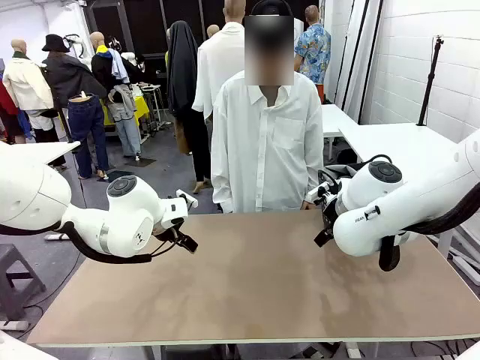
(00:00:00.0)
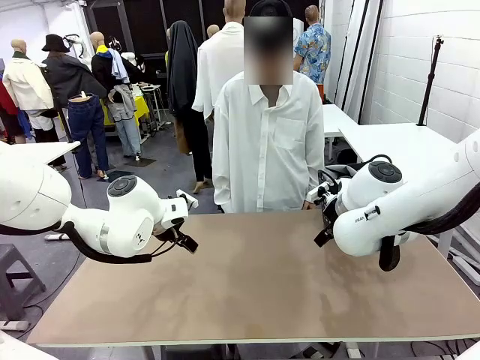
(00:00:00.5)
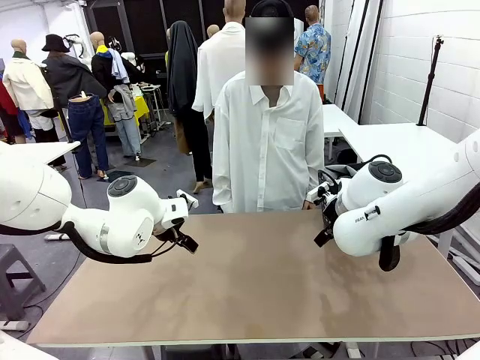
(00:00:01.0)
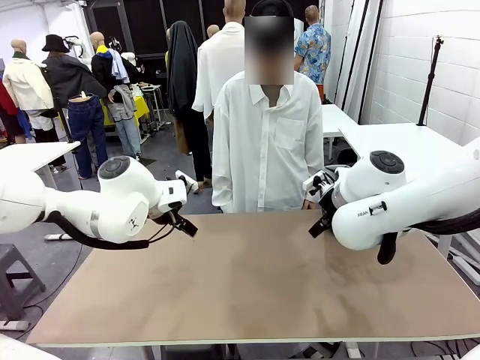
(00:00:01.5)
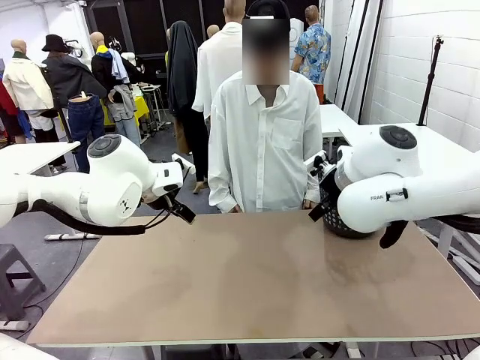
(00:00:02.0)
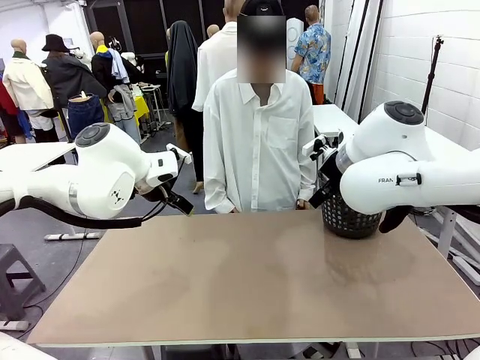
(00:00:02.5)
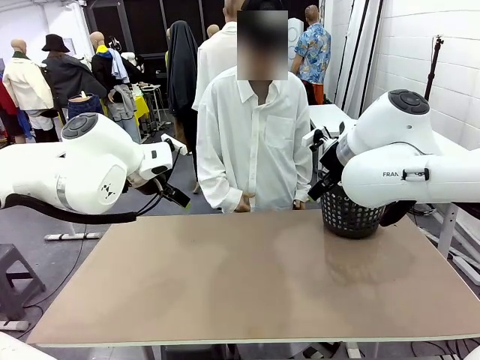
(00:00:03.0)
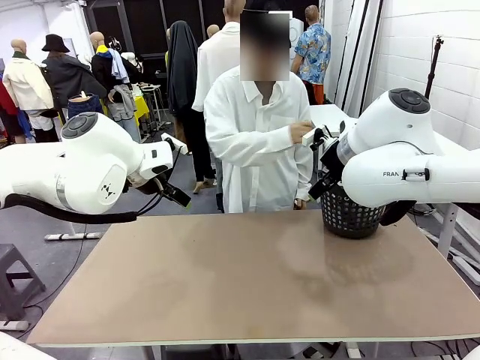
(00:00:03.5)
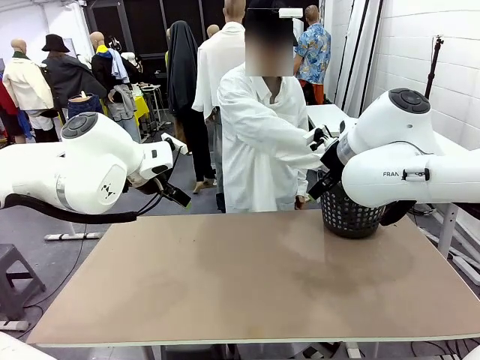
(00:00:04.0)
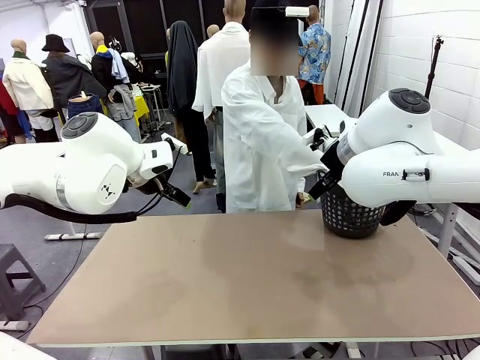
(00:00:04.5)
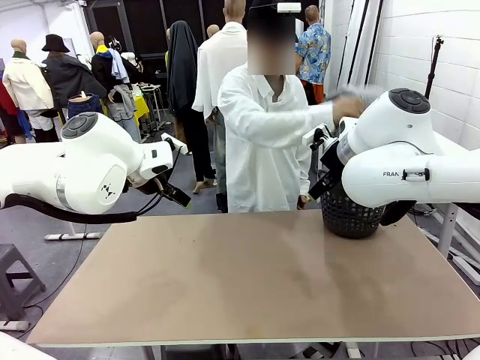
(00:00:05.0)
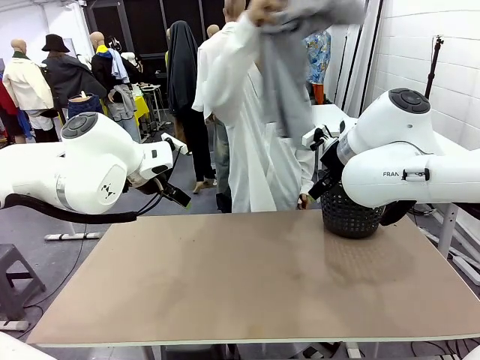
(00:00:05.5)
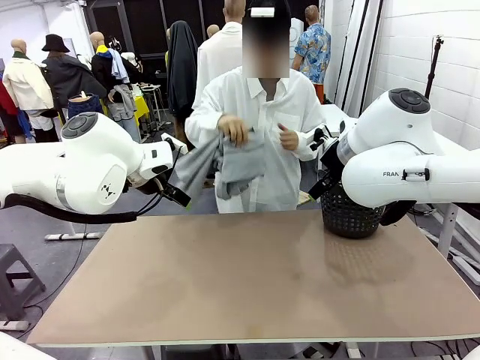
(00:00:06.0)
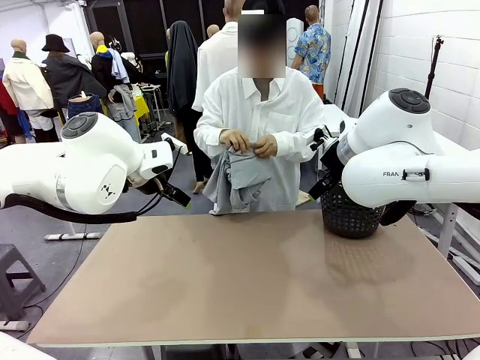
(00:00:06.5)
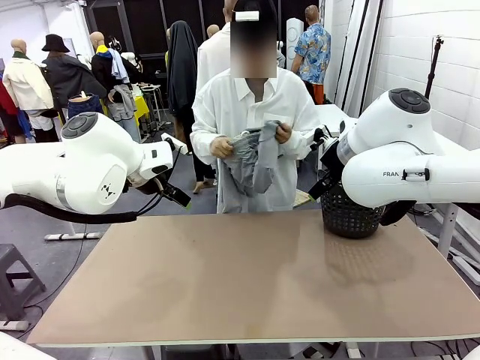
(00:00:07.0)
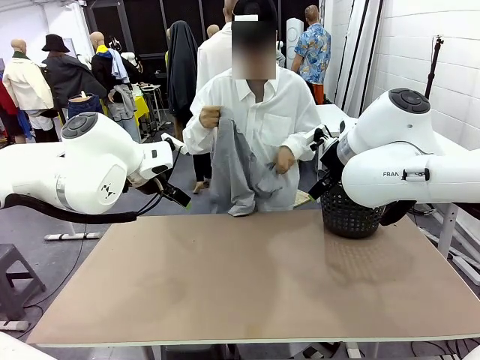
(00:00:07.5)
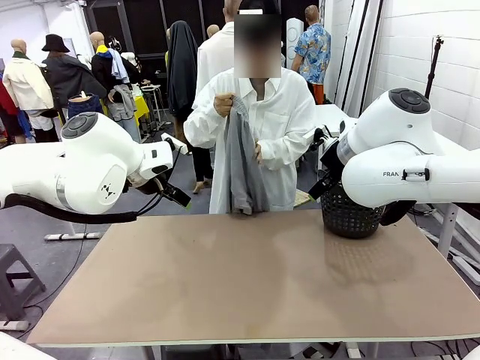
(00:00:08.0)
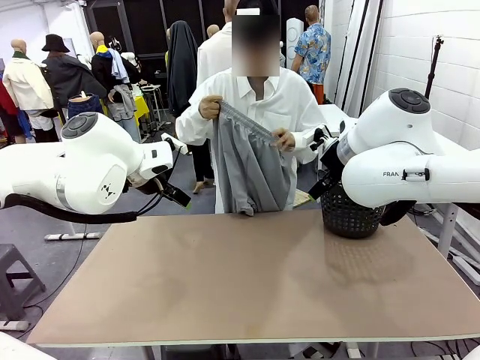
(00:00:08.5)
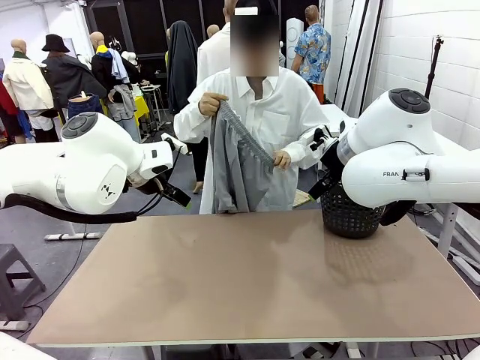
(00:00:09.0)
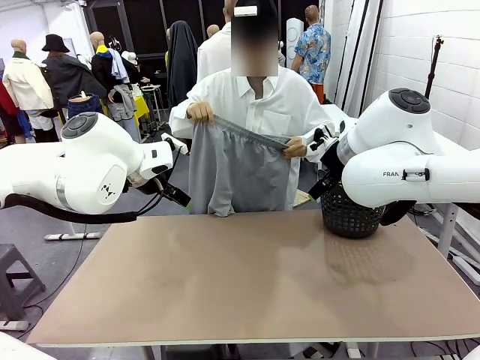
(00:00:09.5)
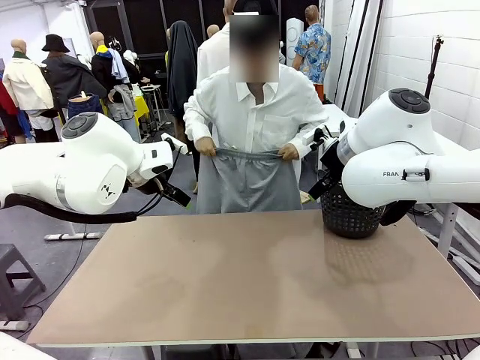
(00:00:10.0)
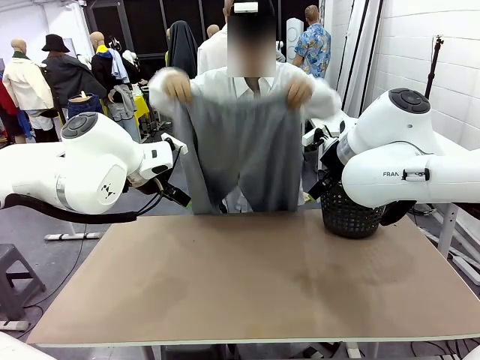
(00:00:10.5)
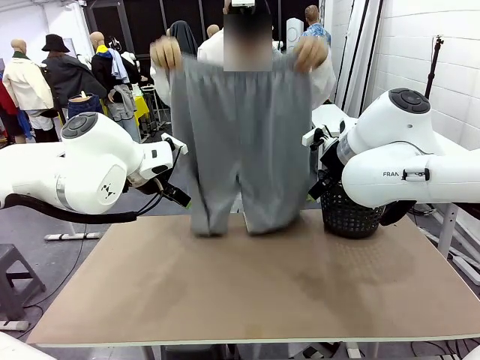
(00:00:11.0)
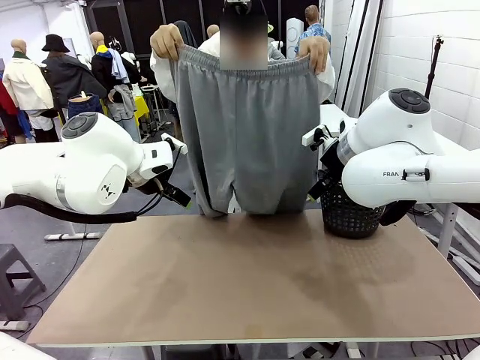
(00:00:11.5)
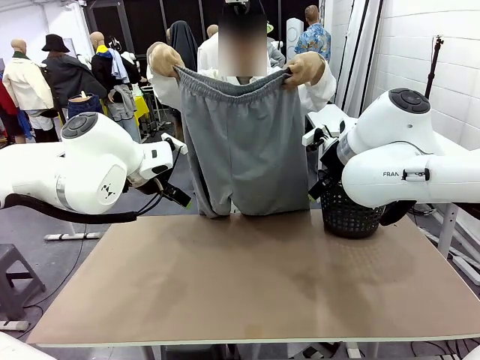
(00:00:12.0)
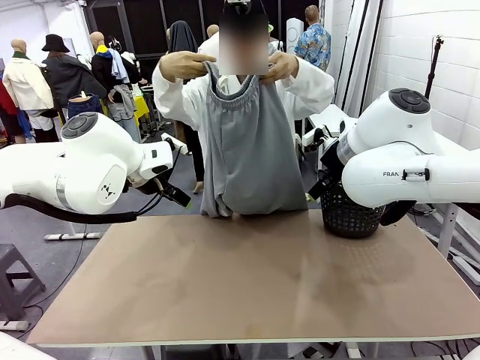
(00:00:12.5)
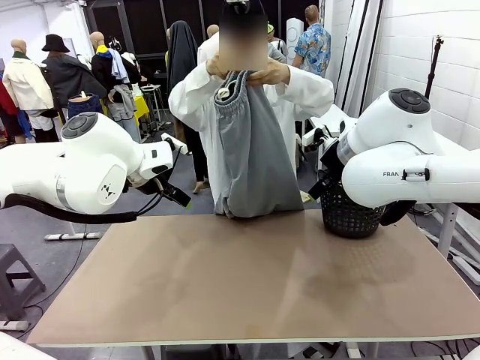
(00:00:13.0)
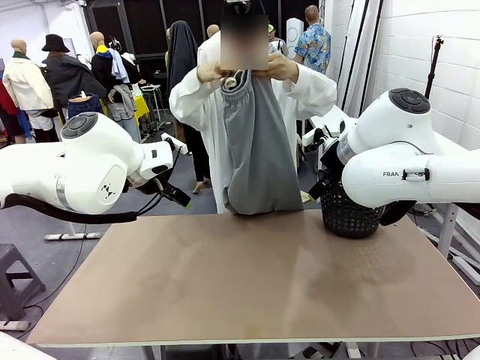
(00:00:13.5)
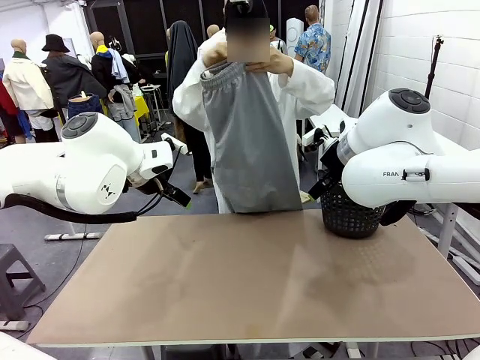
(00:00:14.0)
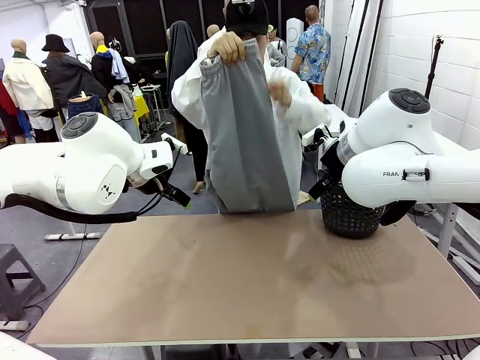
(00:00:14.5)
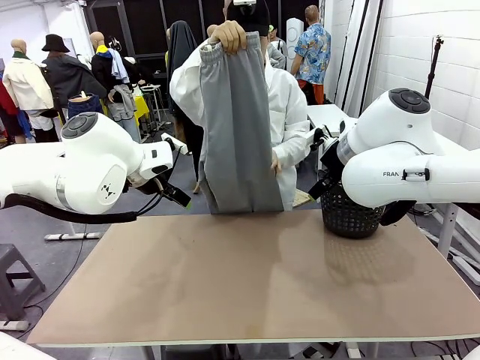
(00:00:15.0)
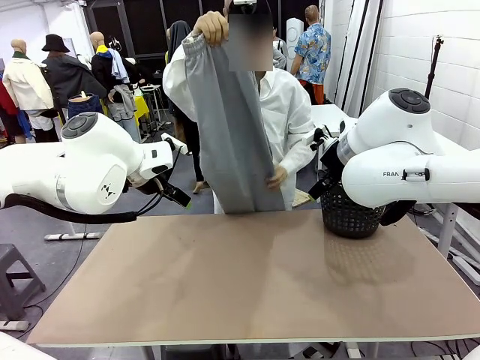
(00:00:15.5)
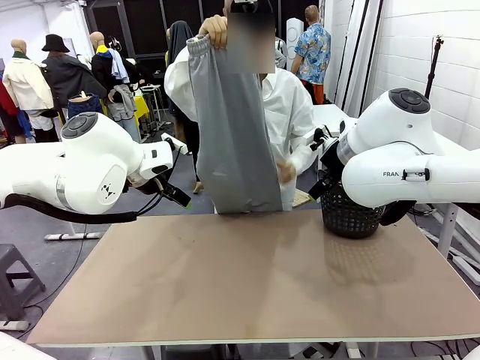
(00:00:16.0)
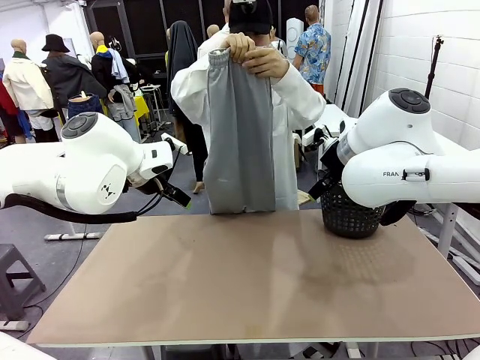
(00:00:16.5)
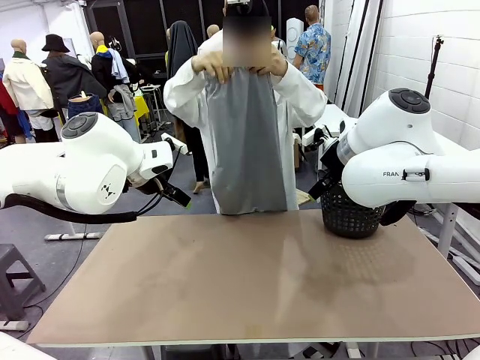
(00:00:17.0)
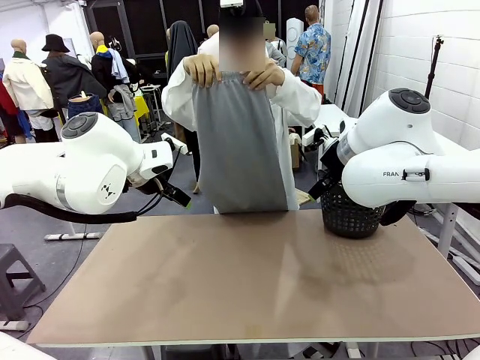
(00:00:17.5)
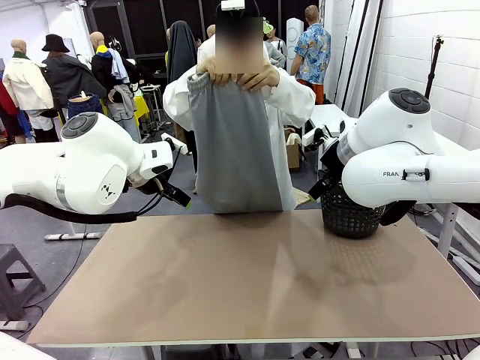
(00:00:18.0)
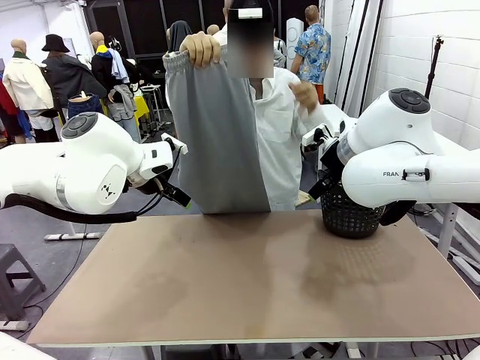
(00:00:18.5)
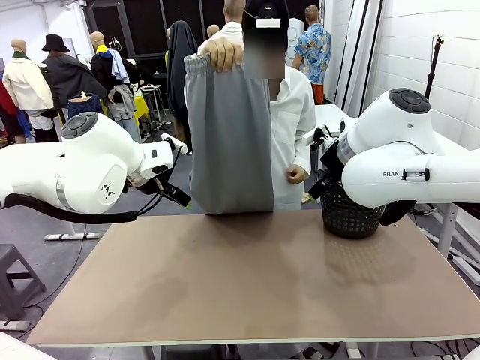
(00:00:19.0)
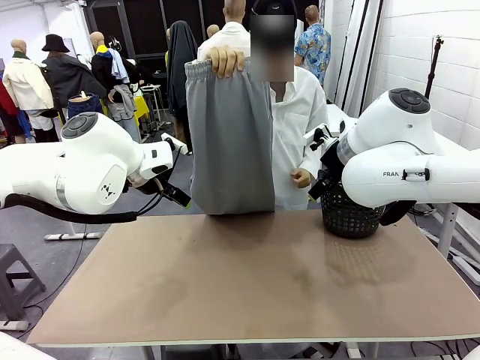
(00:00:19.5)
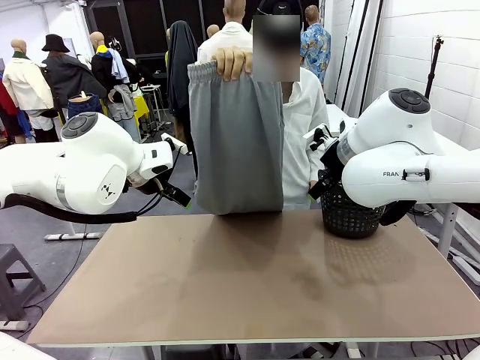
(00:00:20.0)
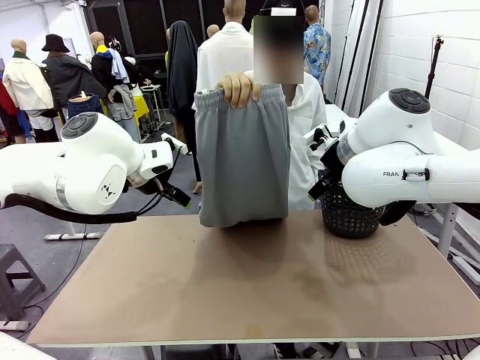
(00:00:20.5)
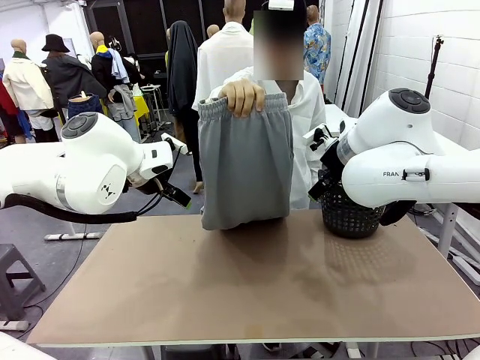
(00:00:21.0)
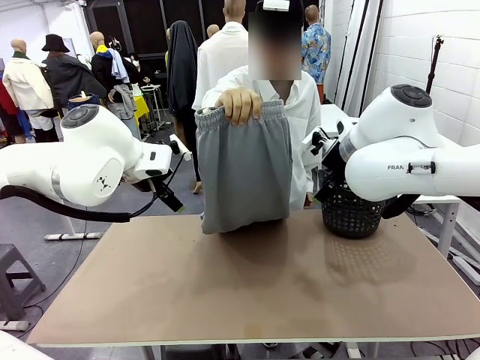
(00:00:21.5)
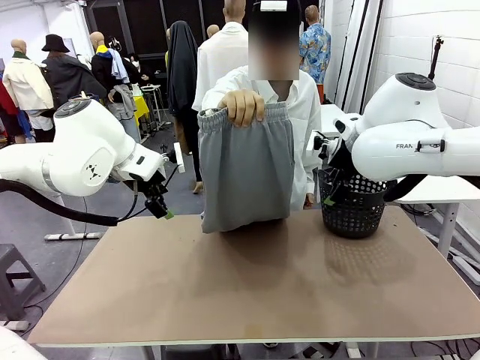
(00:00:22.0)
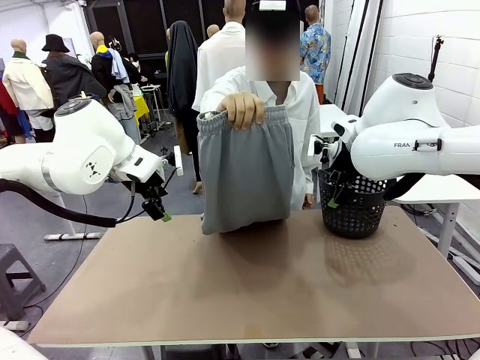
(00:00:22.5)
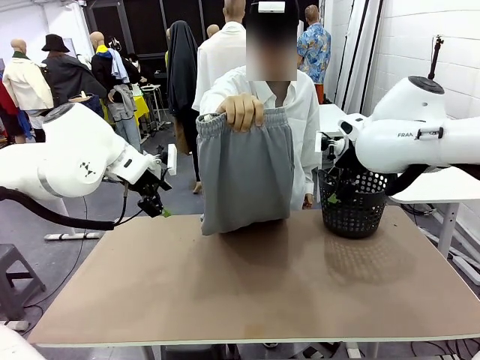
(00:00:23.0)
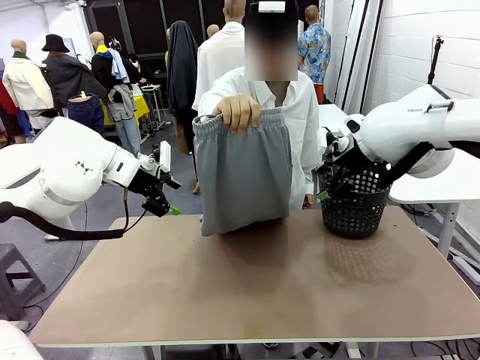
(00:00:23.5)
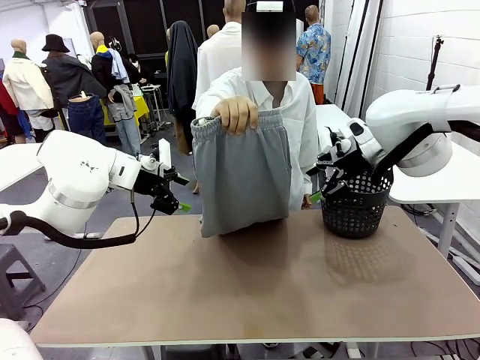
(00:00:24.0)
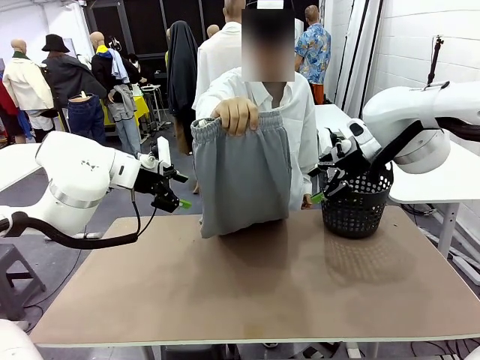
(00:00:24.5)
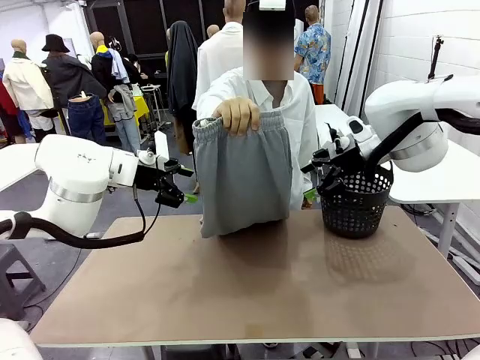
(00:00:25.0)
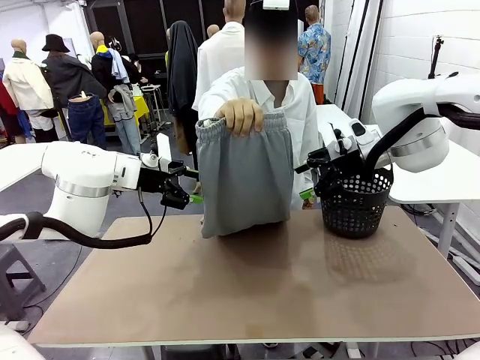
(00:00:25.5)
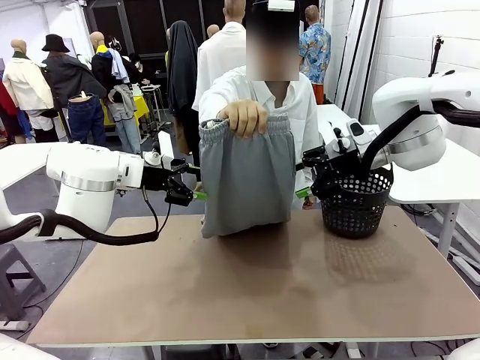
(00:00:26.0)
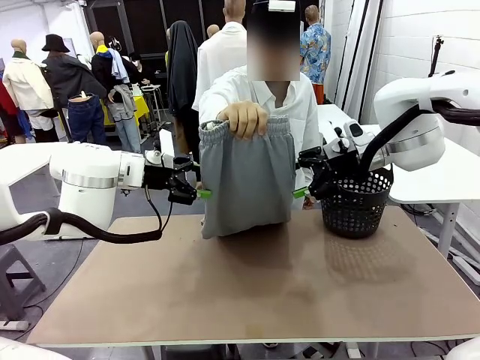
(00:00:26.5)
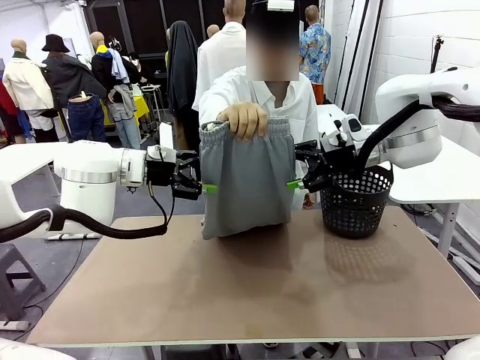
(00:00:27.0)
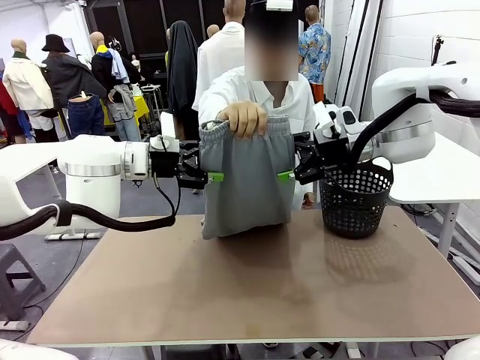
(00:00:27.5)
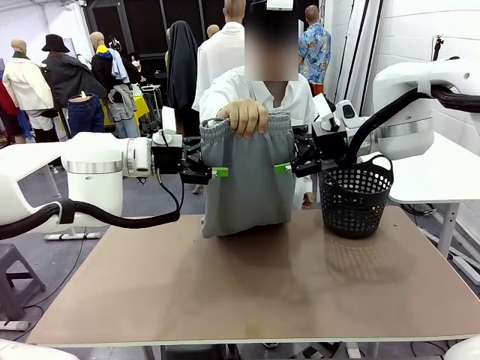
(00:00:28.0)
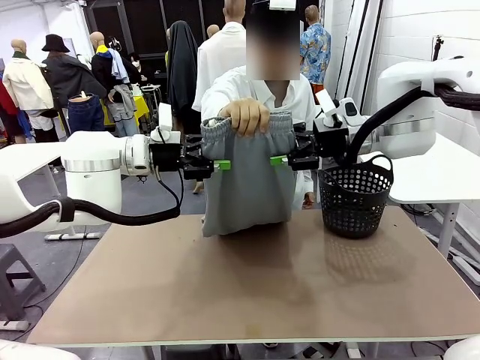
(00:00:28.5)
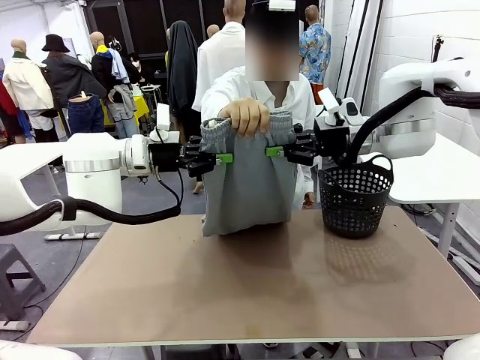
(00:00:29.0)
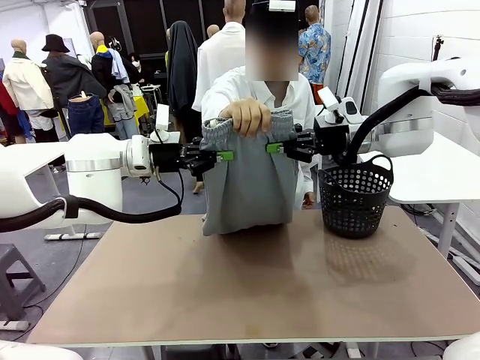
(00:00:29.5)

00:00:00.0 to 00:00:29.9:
Task: Fold the training pants.
Robot: Grab both ends of the Training pants handed by a person.
Person: Take the long pants out of the laundry basket, unfold them, fold the waist in half, and extend them so the robot can pick up both corners.
